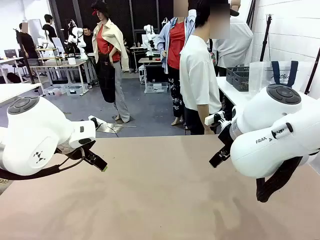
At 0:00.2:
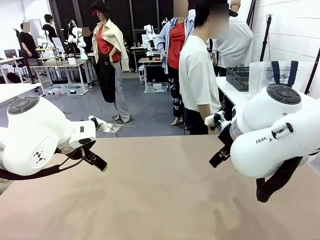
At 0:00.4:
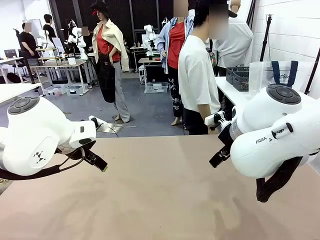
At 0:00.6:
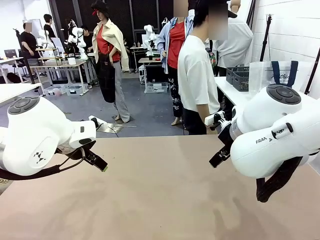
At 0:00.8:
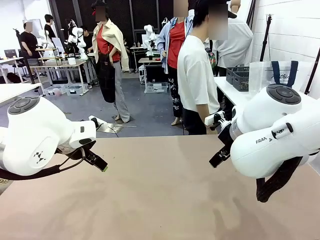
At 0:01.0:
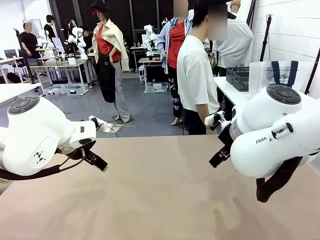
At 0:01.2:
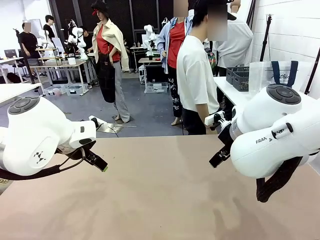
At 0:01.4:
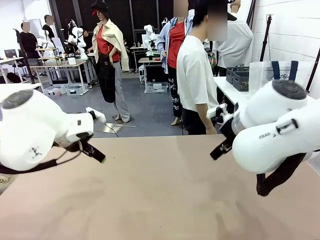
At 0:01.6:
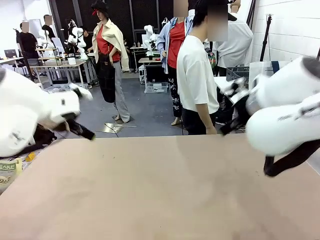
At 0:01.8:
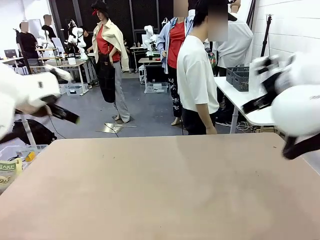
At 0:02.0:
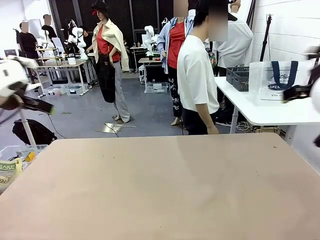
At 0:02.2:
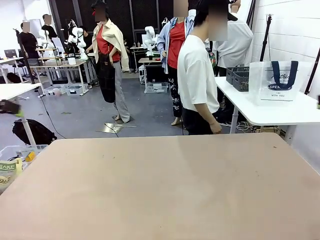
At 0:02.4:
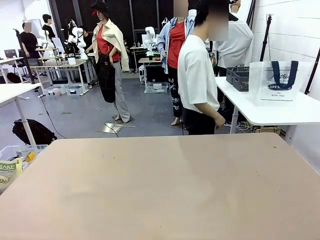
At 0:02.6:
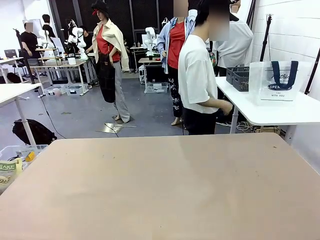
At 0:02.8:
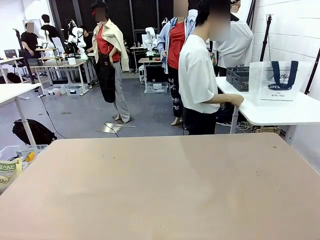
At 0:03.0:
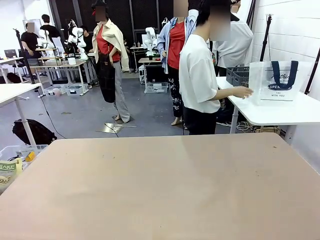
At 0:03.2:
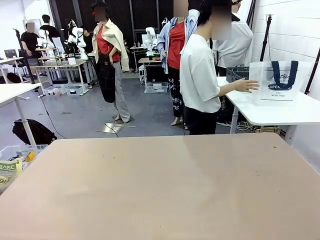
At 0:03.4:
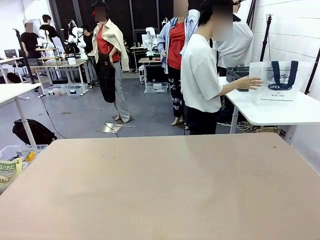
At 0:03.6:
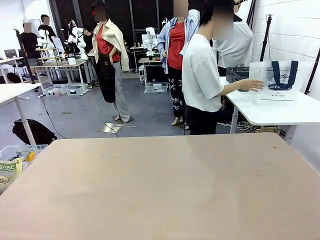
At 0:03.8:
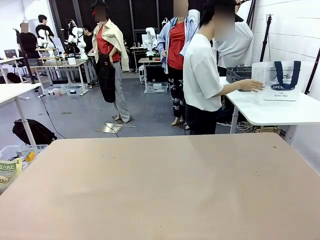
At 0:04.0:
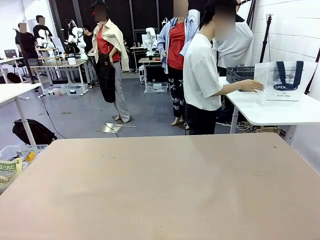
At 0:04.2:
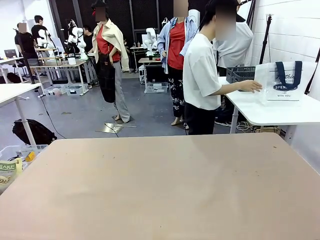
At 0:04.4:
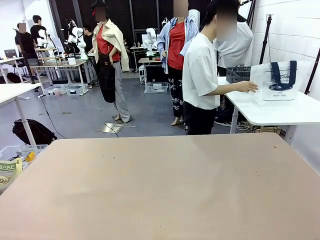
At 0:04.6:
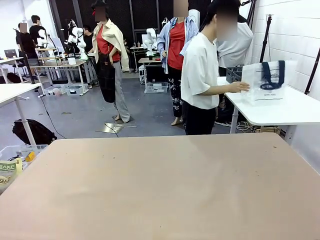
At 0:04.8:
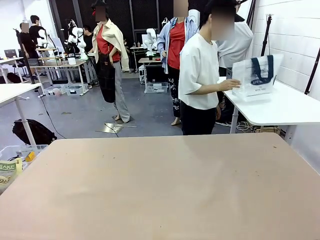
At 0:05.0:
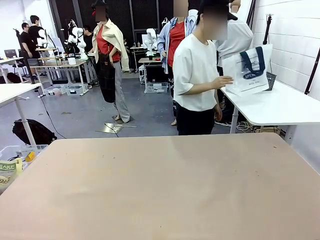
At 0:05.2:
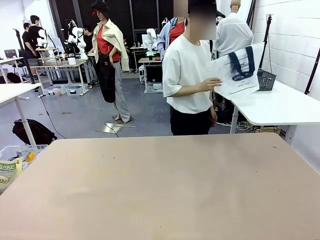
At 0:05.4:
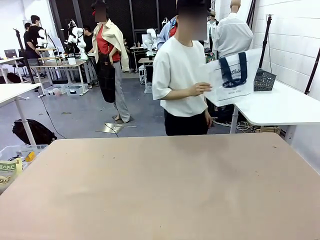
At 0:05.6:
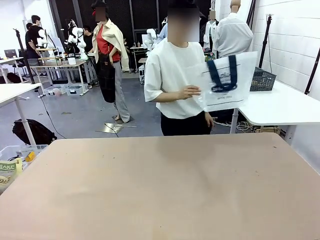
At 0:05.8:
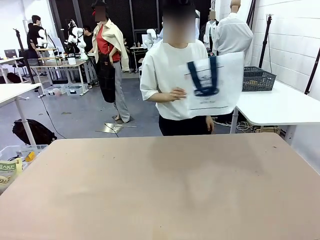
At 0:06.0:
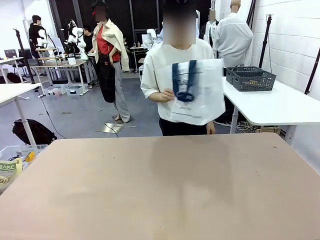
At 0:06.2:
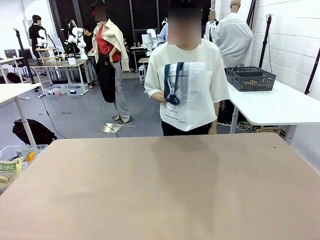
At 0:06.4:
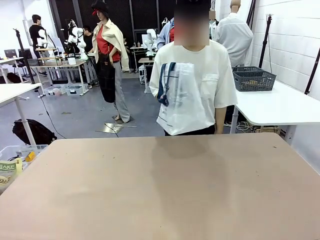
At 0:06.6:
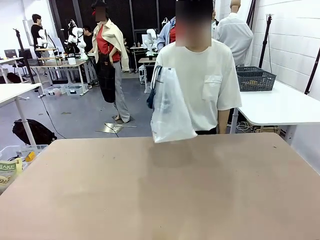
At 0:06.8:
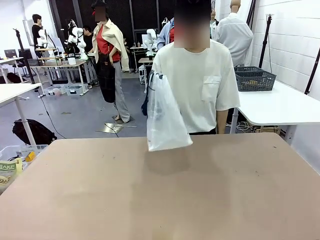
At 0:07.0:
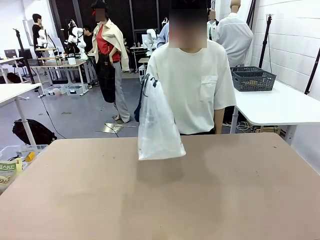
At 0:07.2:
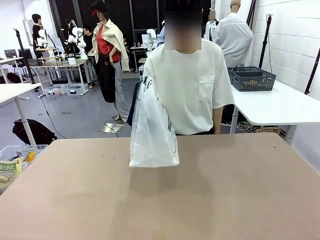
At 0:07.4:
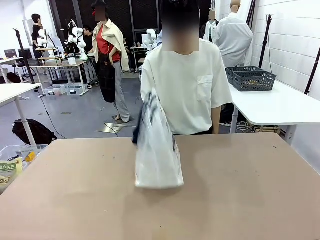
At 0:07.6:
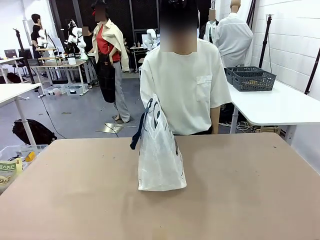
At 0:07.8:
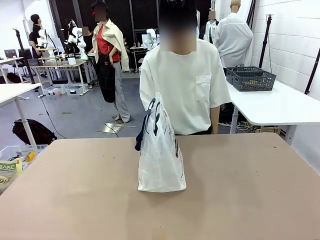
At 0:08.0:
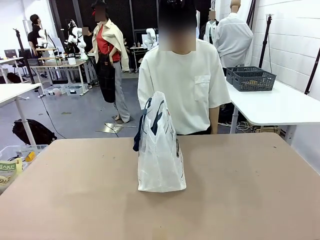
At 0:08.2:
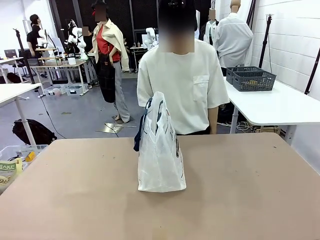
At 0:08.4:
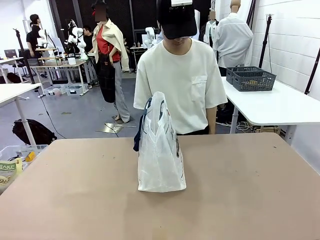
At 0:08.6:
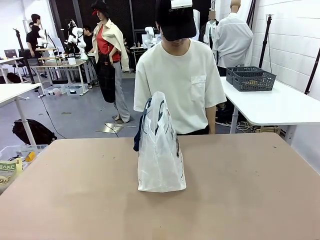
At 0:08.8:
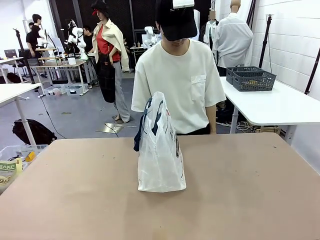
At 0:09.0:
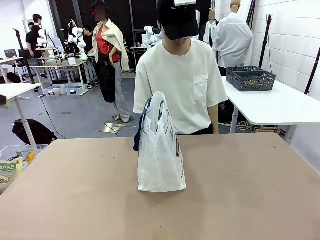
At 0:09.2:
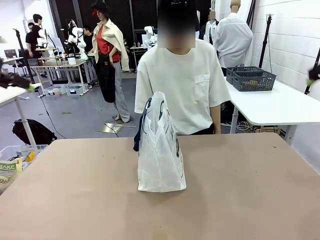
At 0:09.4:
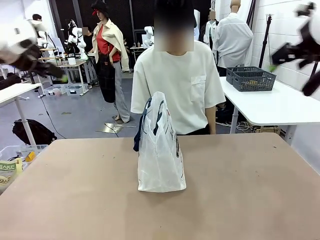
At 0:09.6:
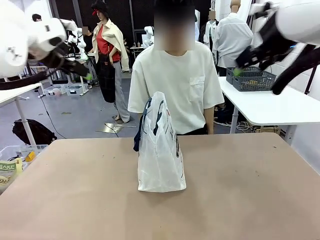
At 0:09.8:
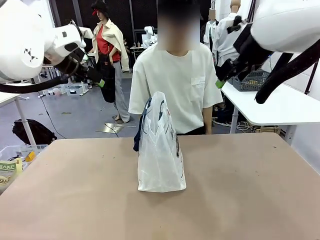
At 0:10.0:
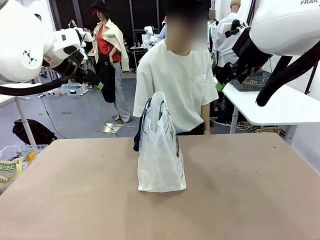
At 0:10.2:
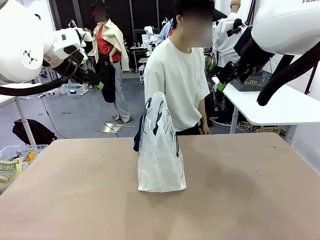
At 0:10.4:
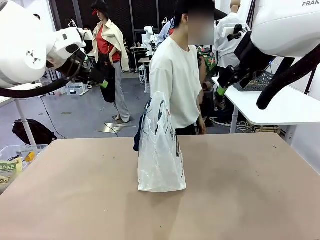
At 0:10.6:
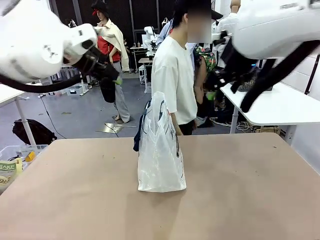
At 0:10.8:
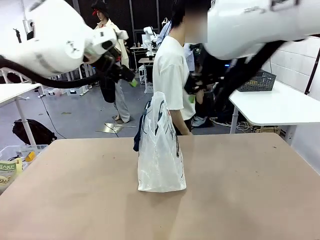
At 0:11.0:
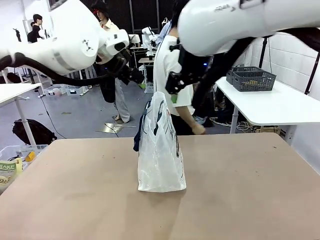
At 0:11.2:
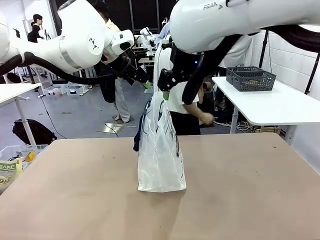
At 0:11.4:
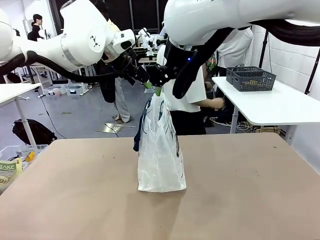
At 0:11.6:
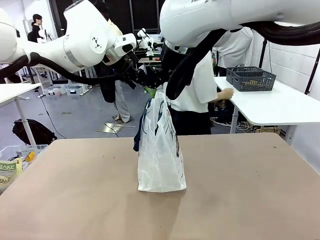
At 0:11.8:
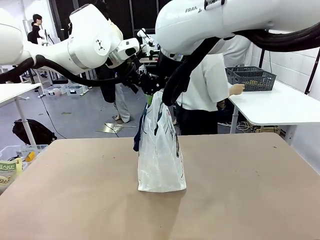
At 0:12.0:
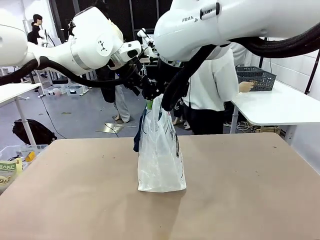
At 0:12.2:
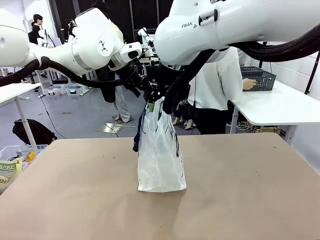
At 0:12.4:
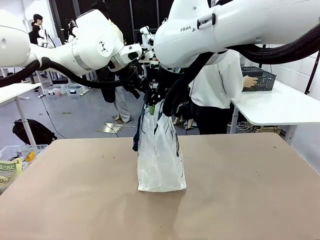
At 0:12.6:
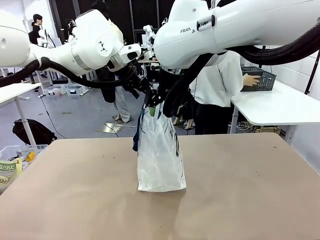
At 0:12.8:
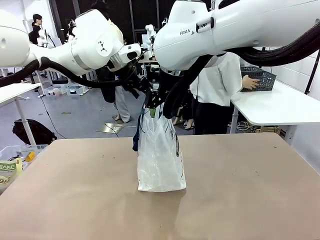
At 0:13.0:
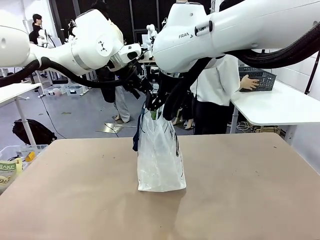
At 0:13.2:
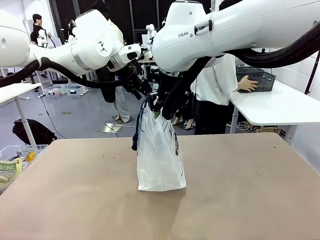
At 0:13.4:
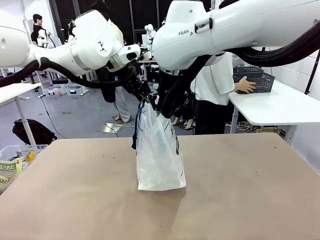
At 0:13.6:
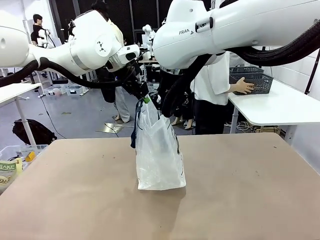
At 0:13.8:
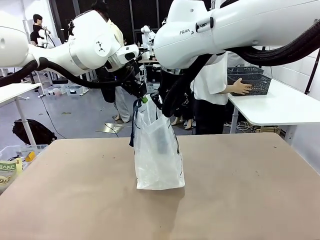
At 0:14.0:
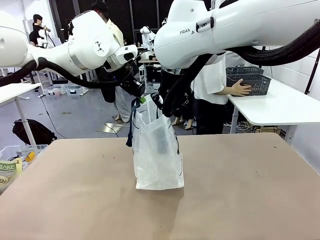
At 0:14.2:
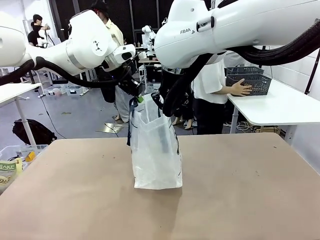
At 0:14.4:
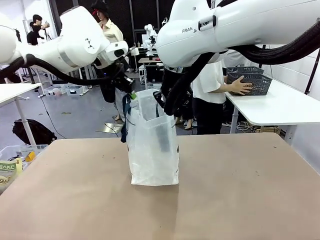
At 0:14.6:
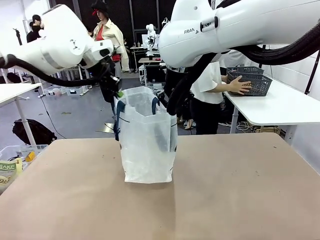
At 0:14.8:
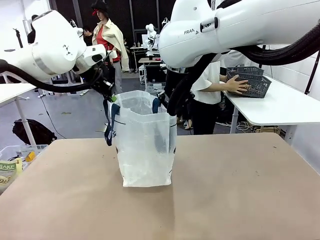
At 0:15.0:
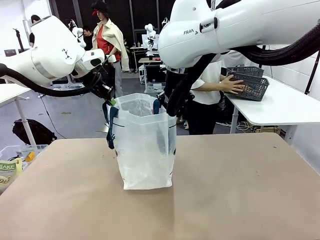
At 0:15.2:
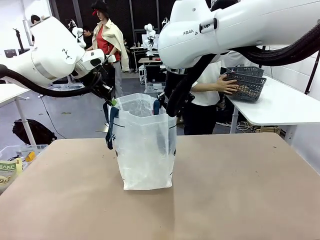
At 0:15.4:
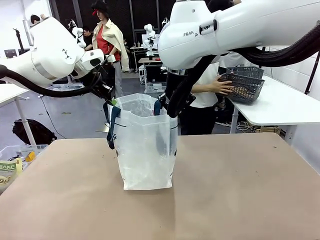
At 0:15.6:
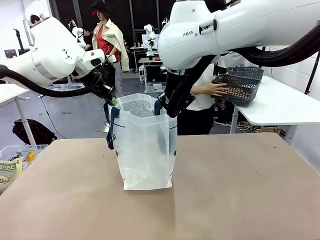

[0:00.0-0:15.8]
Task: Transfer purchased items from the store into the shopping bag.
Robot: Open the Reusable shopping bag in the center of the table.
Person: Pick up the shopping bag and place it in the middle of the robot table. Pick up the basket on the right, place it on the left side of the robot table, and move the items in the basket to the shopping bag.
